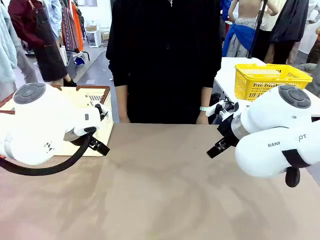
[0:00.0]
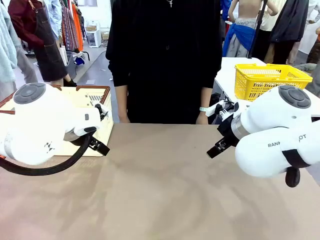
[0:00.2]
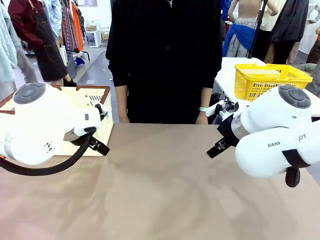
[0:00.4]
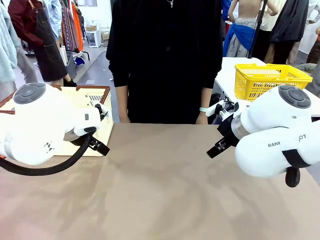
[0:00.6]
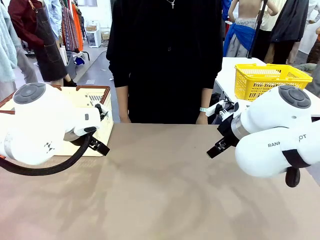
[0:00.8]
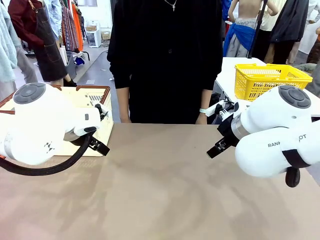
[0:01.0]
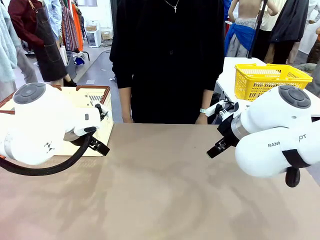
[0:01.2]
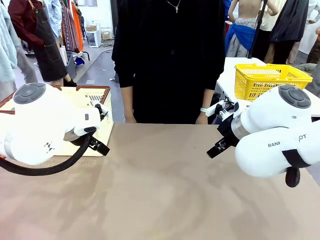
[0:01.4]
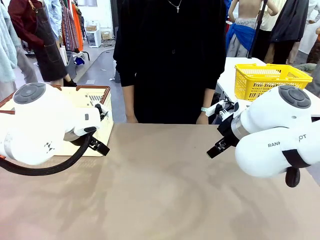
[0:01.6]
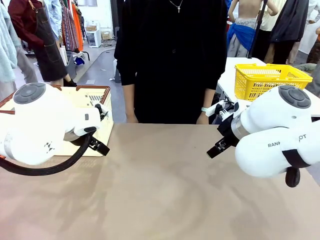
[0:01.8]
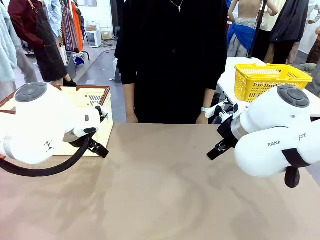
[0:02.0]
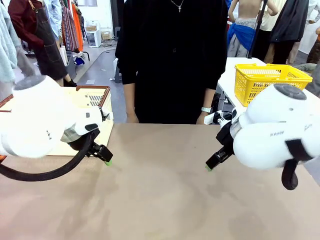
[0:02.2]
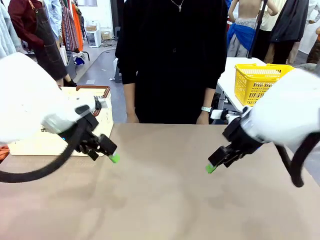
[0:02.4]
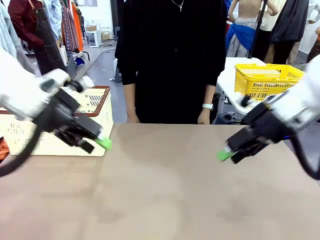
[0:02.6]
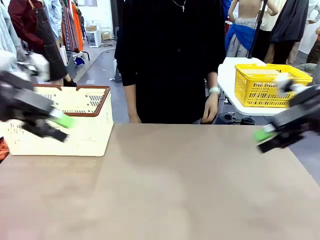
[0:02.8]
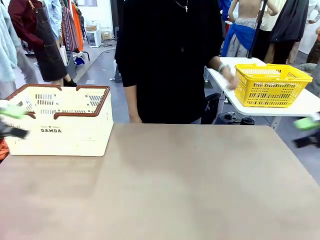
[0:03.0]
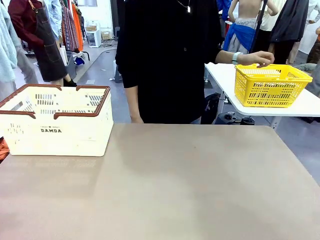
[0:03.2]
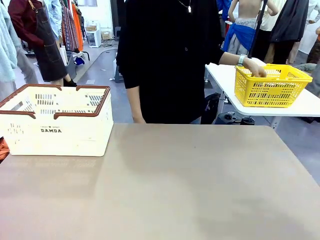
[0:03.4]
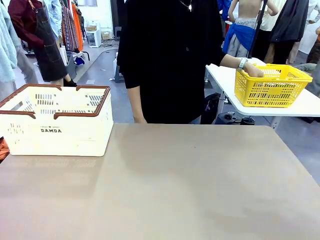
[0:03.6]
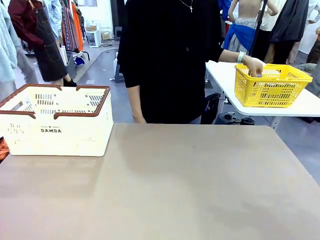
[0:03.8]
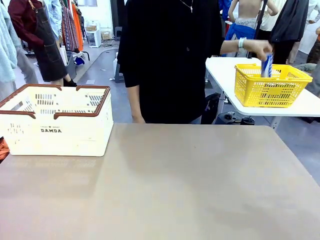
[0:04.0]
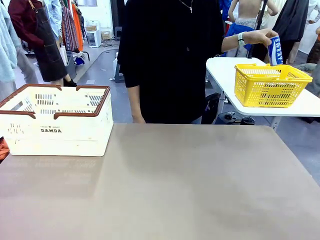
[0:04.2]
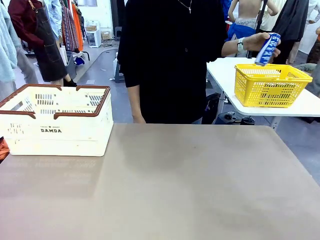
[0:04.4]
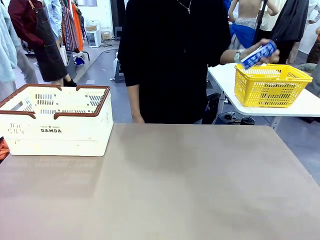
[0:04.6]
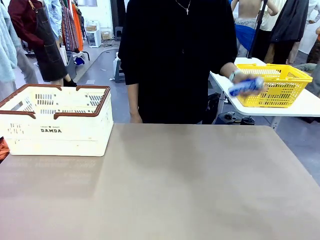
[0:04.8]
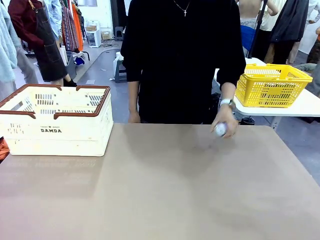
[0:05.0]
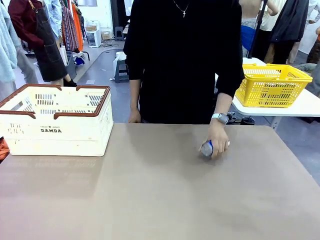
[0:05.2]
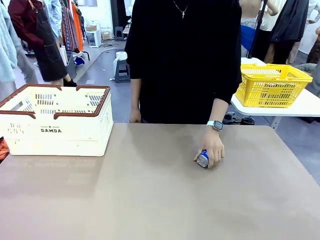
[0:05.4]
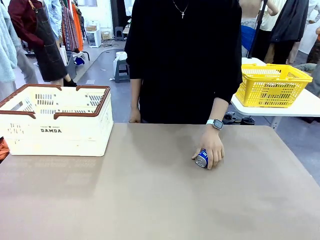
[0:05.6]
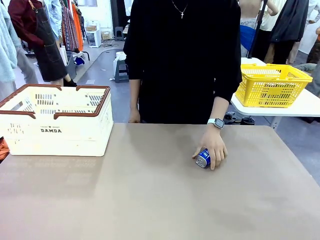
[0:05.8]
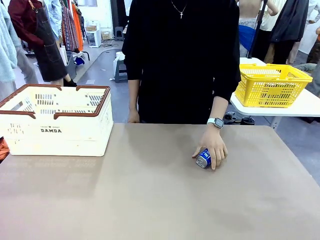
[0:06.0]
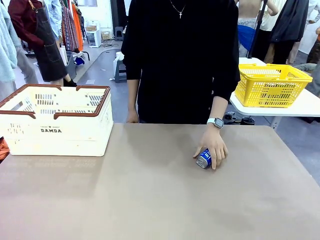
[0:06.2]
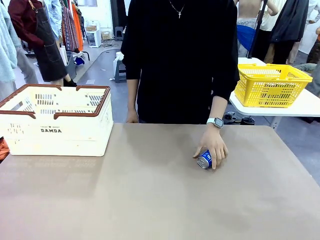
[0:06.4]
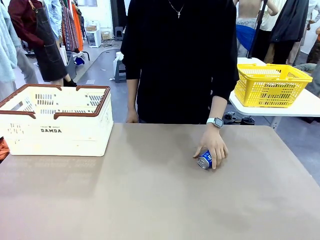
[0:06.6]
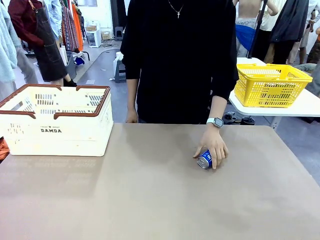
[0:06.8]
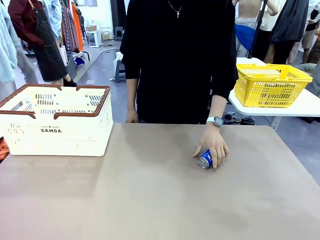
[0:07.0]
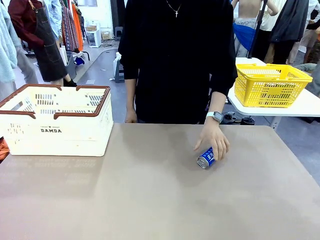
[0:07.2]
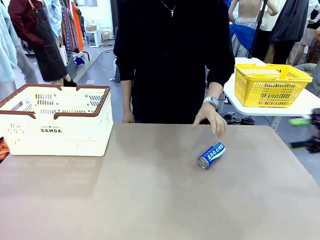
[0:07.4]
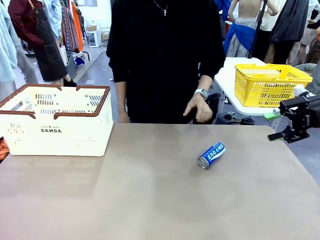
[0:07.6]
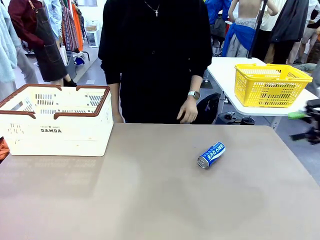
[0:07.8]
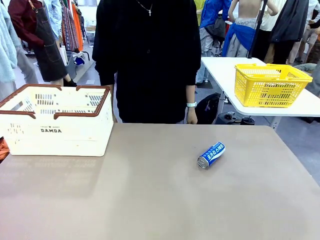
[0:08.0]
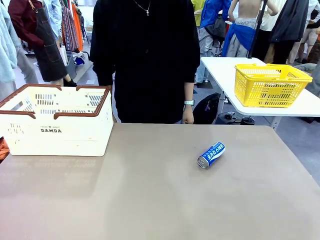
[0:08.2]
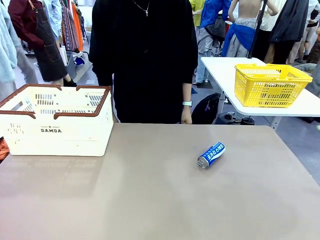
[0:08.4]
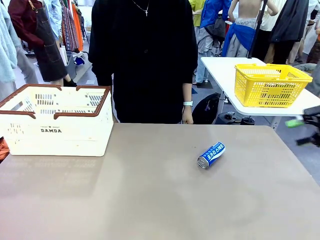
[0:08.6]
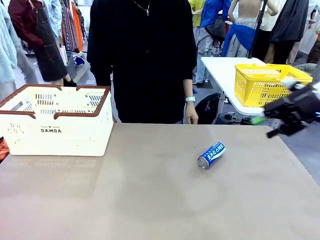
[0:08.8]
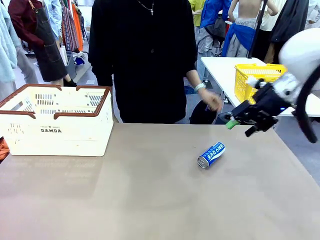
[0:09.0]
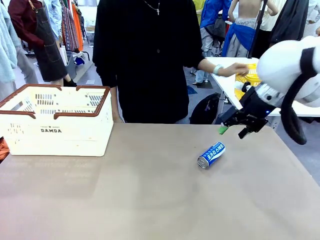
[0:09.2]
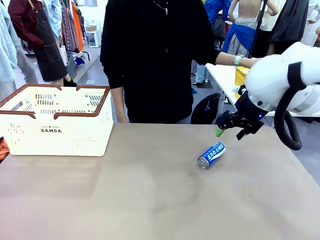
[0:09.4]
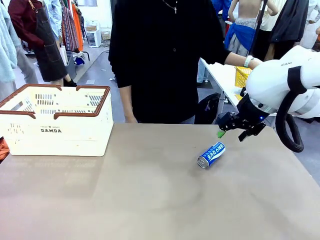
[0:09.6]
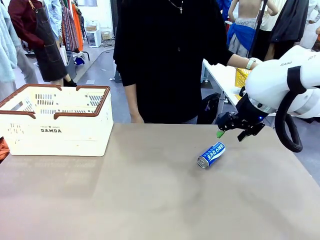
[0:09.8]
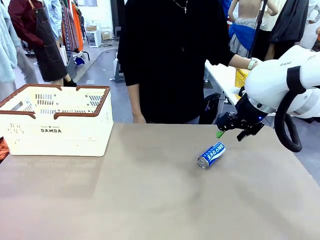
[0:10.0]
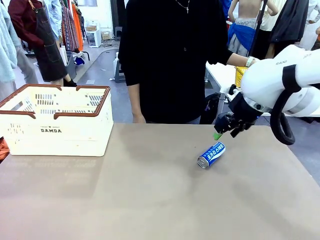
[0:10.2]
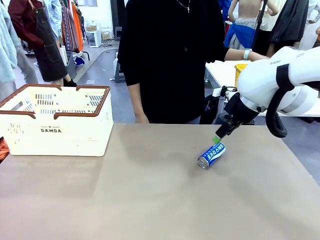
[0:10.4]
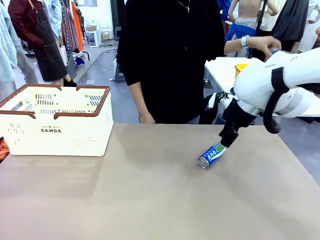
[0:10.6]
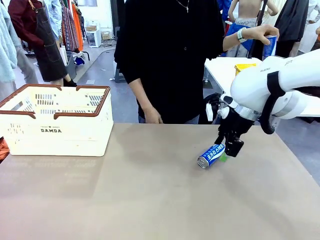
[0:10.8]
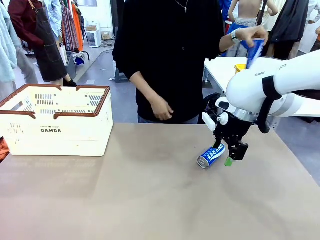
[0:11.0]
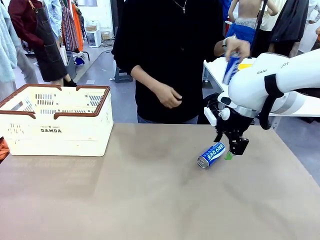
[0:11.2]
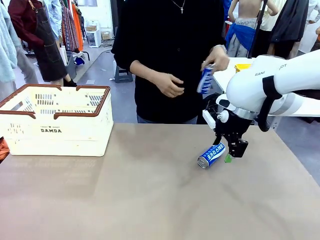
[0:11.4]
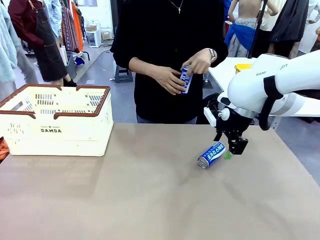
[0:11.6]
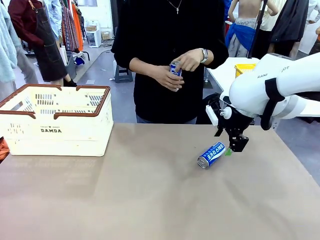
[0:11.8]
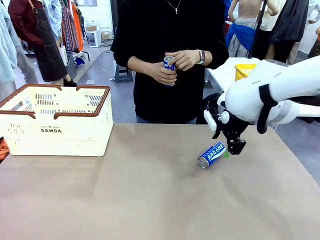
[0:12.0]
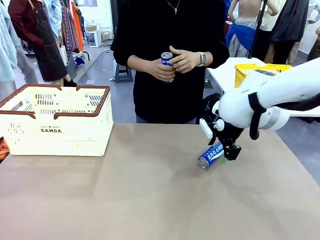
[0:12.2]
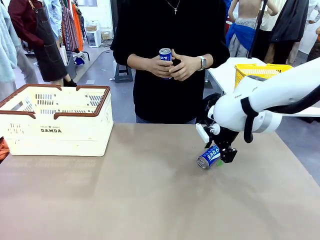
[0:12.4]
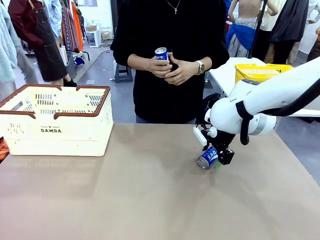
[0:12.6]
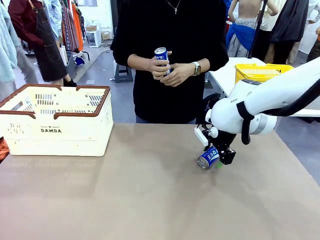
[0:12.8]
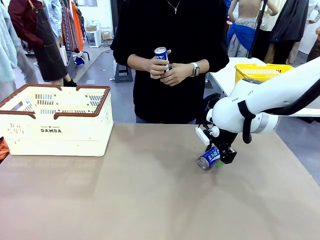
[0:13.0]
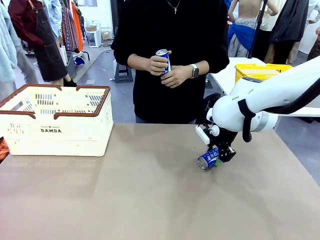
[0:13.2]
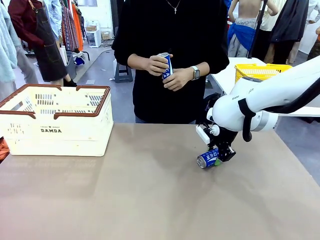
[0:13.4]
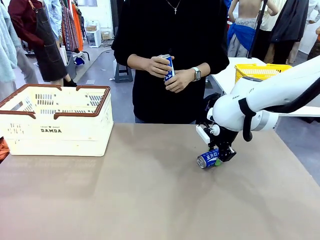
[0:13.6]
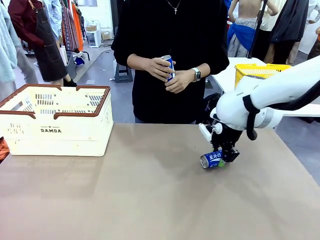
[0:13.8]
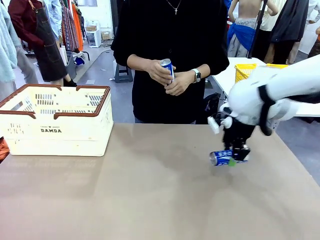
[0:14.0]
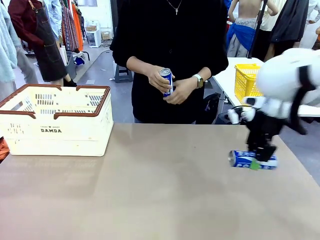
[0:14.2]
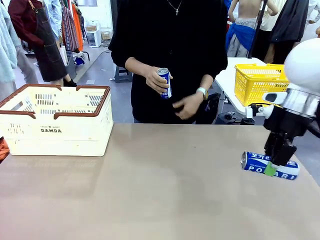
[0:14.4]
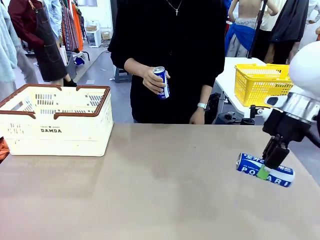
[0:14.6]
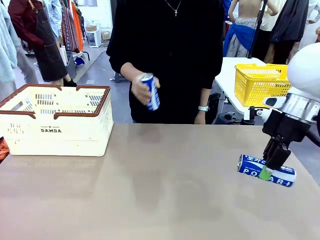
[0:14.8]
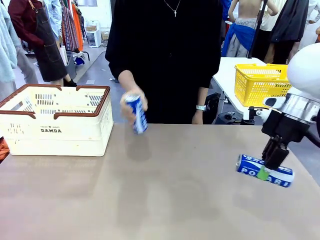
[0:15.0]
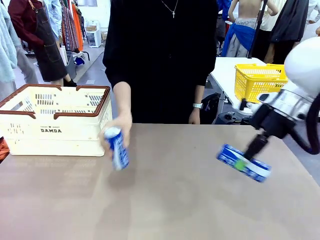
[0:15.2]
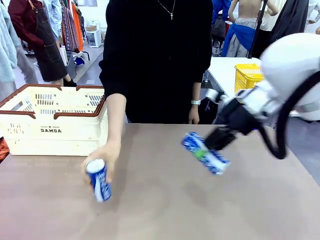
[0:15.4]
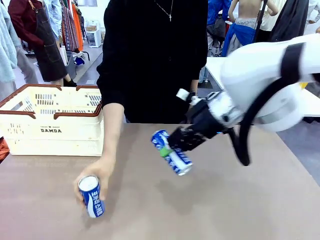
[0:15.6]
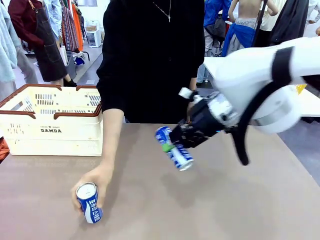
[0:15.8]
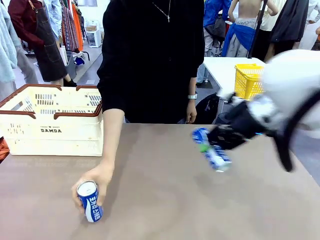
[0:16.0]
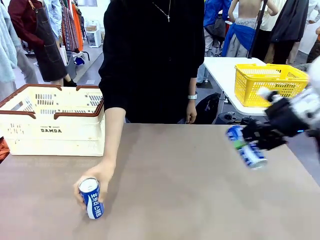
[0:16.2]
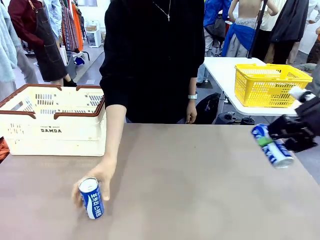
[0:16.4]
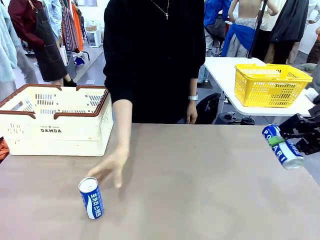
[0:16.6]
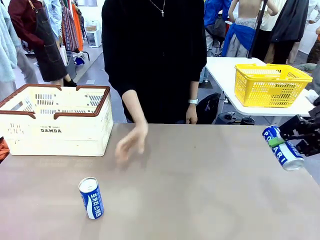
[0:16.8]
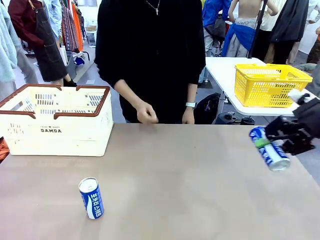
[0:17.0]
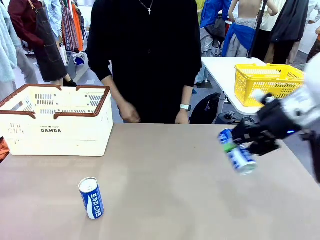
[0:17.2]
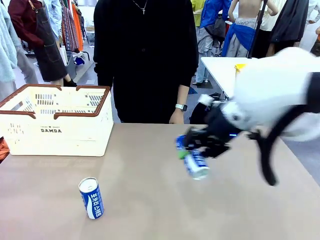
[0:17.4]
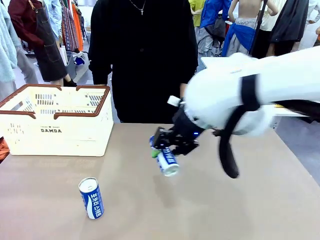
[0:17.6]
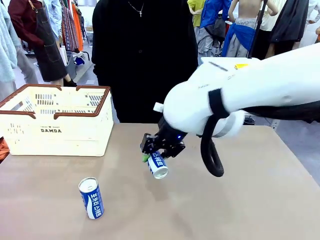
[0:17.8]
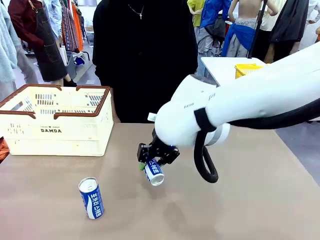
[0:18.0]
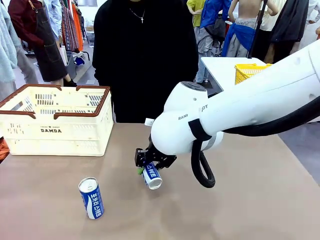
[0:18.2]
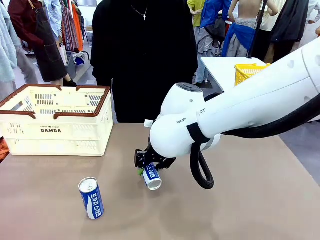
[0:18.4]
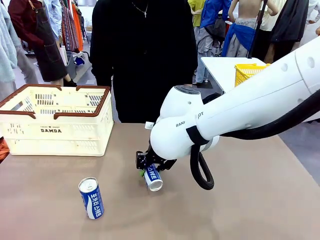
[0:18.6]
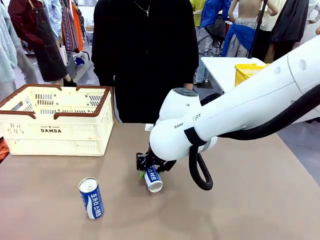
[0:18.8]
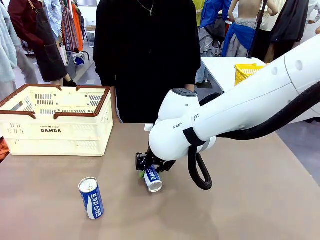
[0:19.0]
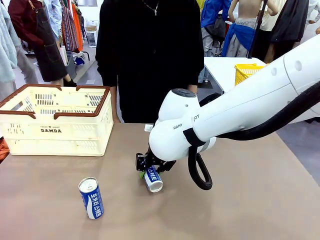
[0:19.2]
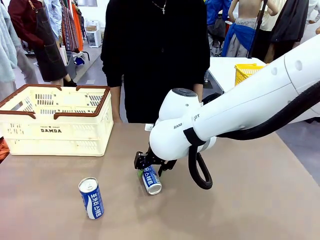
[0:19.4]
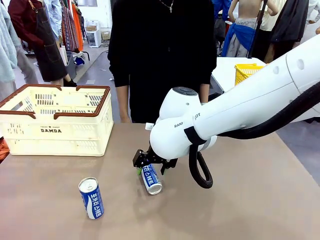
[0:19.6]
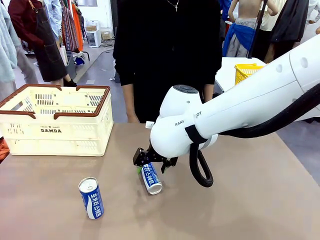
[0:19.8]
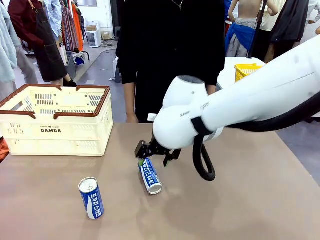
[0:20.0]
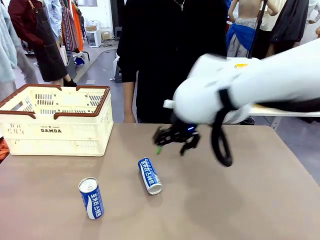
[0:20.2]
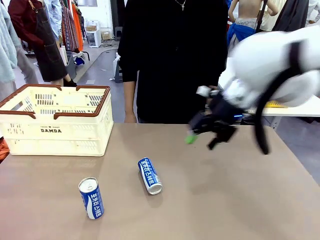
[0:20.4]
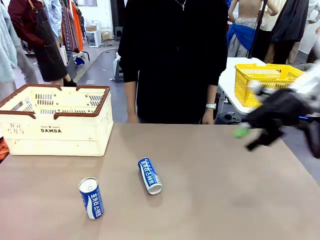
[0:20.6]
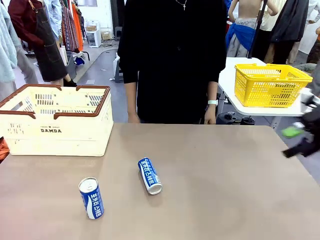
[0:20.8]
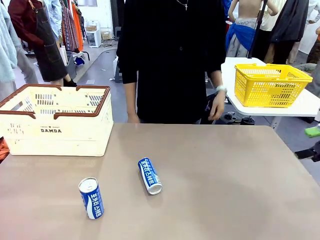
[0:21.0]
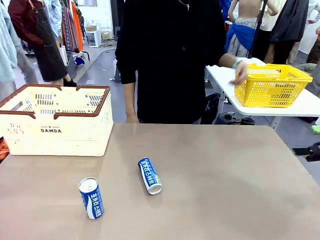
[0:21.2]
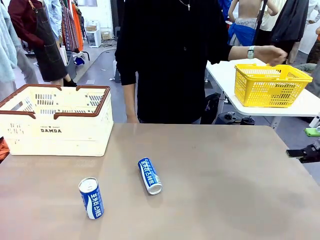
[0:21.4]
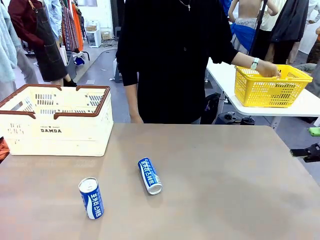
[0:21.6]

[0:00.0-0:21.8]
Task: Place the drinks into the Shopping basket.
Robot: Pick up one drink and place it into the Shopping basket.
